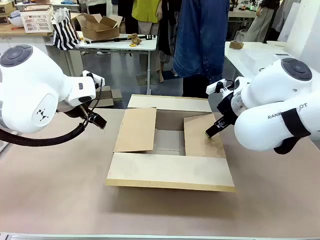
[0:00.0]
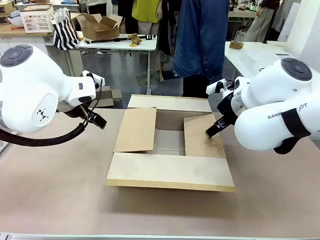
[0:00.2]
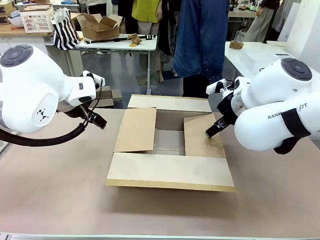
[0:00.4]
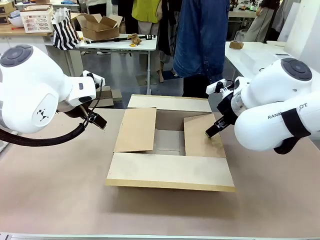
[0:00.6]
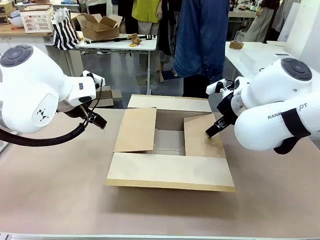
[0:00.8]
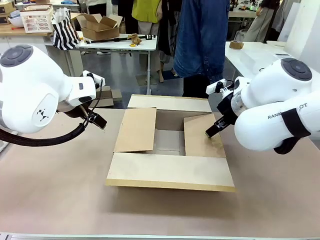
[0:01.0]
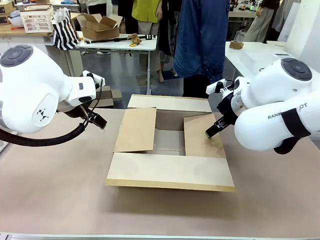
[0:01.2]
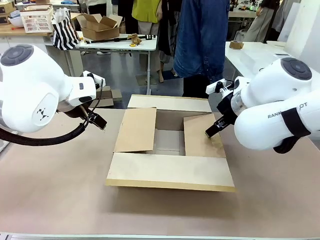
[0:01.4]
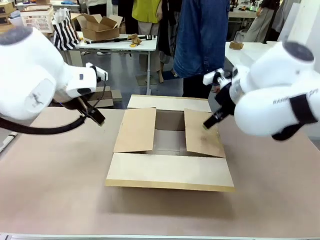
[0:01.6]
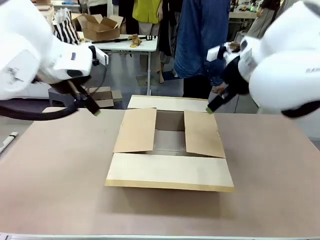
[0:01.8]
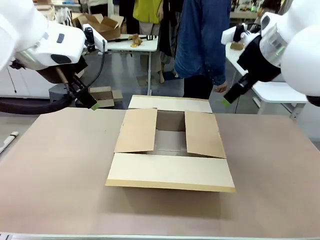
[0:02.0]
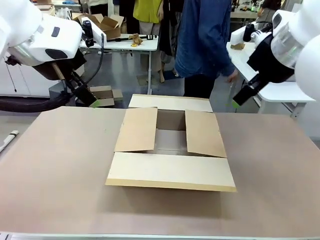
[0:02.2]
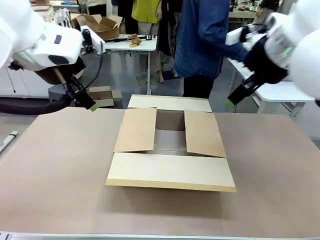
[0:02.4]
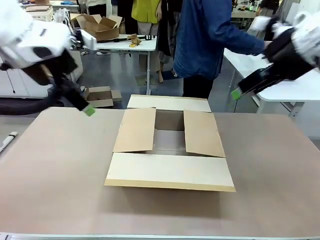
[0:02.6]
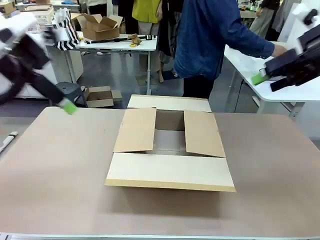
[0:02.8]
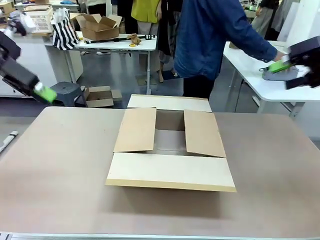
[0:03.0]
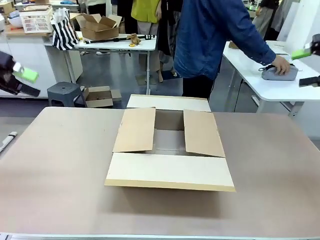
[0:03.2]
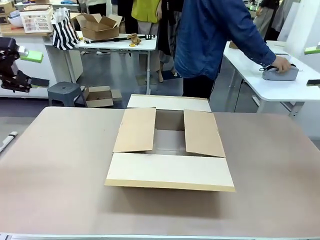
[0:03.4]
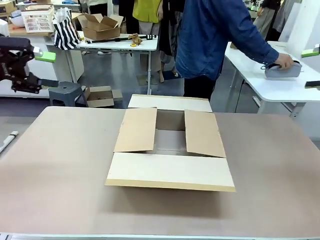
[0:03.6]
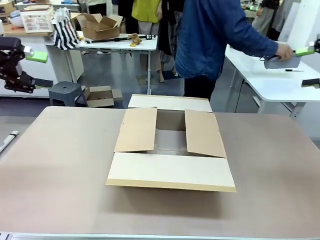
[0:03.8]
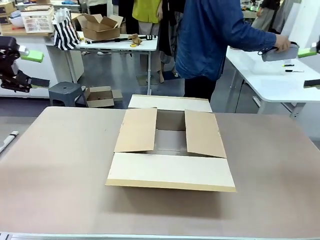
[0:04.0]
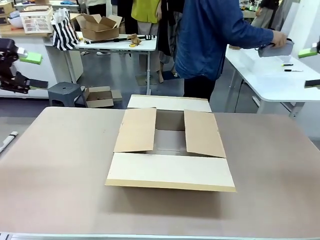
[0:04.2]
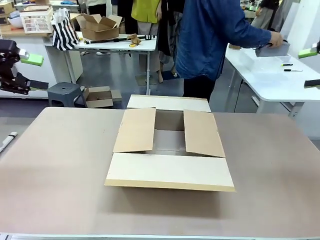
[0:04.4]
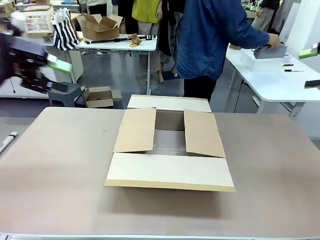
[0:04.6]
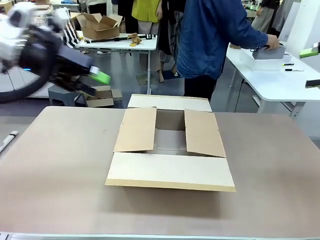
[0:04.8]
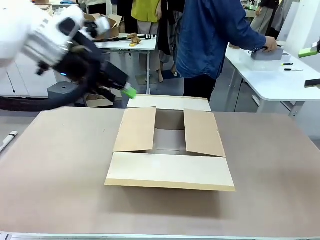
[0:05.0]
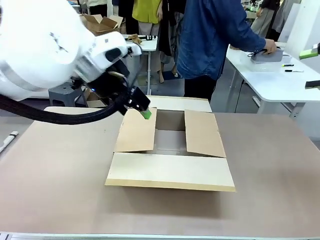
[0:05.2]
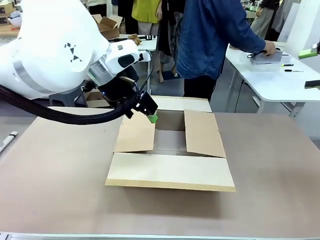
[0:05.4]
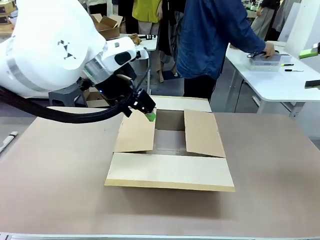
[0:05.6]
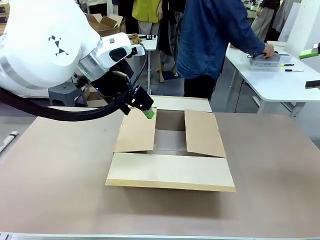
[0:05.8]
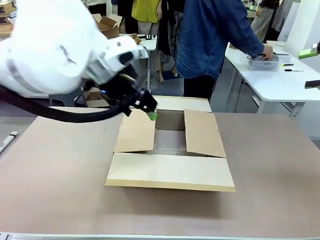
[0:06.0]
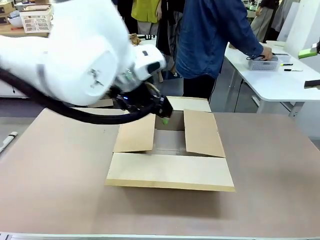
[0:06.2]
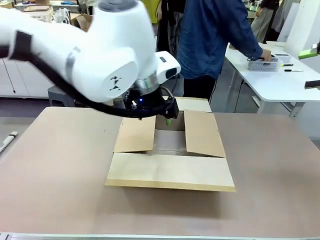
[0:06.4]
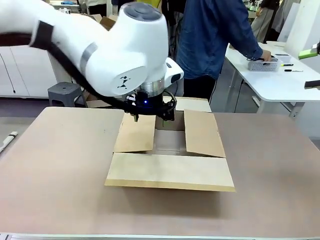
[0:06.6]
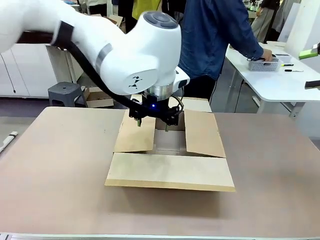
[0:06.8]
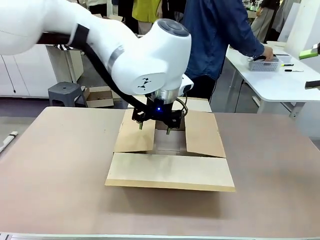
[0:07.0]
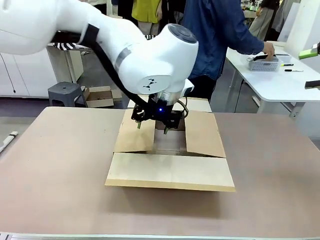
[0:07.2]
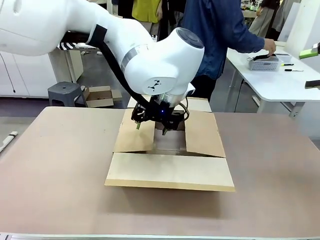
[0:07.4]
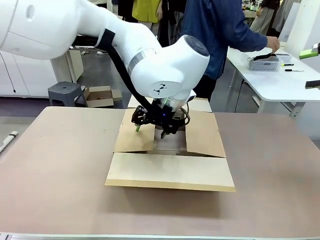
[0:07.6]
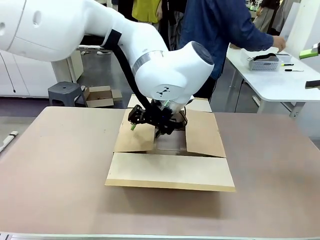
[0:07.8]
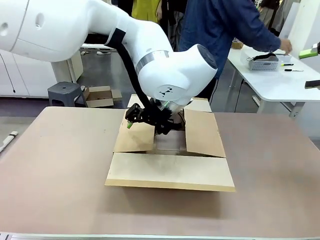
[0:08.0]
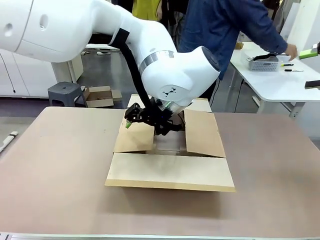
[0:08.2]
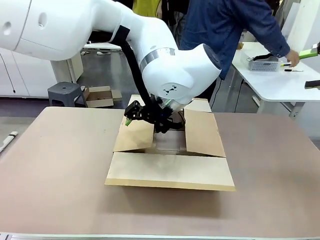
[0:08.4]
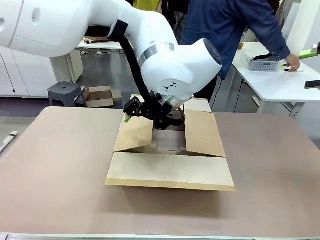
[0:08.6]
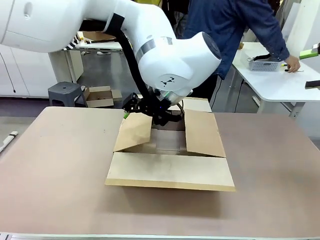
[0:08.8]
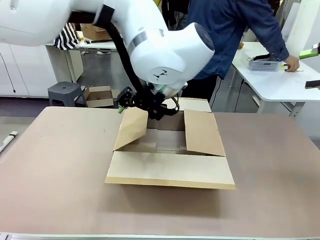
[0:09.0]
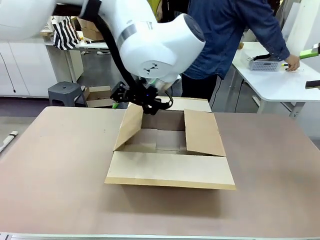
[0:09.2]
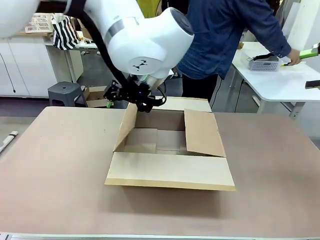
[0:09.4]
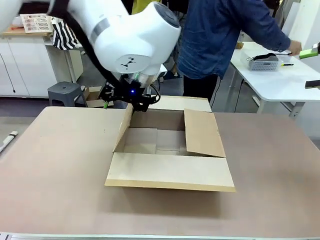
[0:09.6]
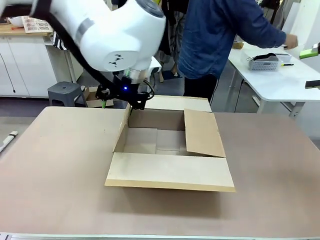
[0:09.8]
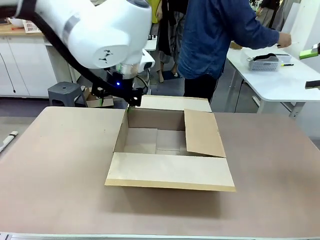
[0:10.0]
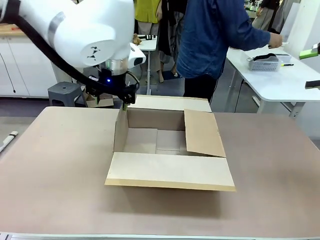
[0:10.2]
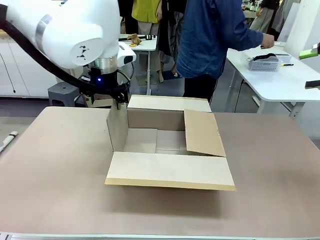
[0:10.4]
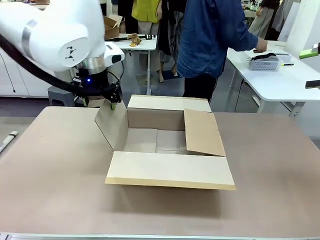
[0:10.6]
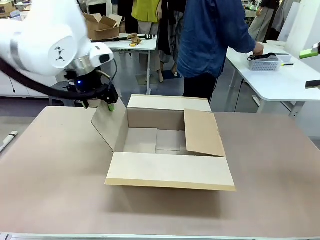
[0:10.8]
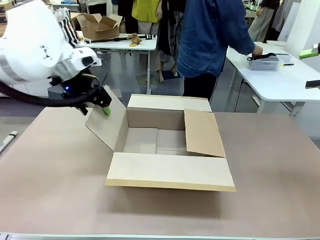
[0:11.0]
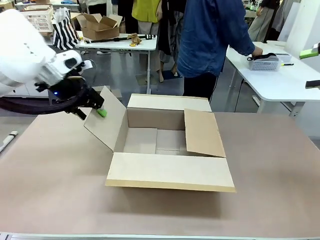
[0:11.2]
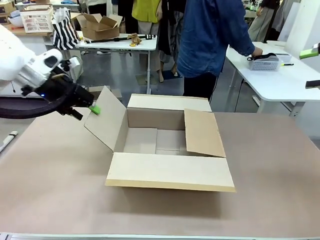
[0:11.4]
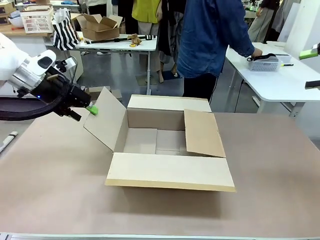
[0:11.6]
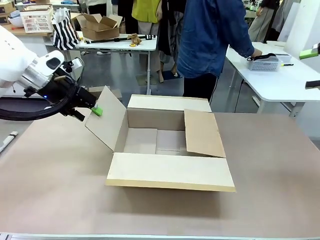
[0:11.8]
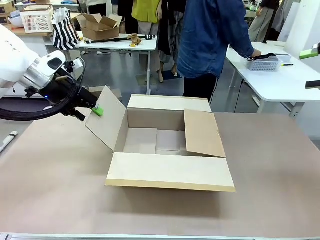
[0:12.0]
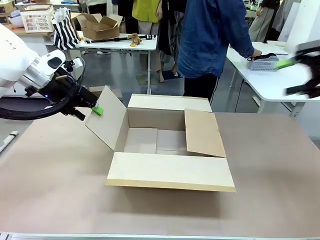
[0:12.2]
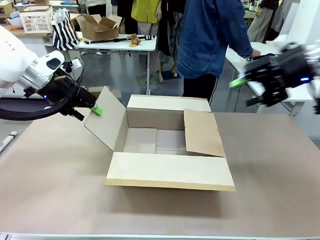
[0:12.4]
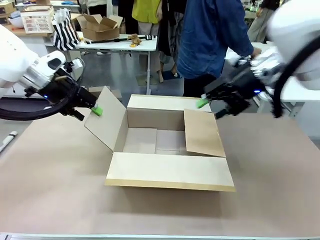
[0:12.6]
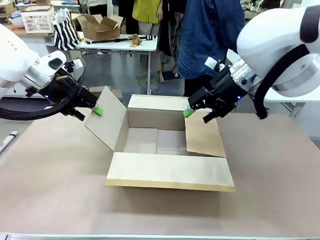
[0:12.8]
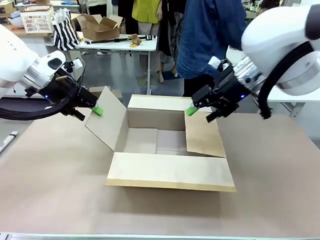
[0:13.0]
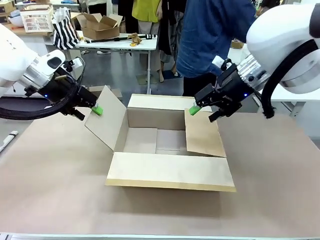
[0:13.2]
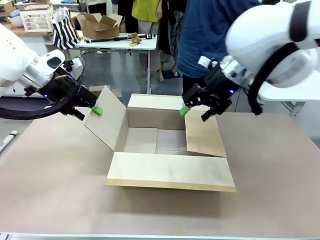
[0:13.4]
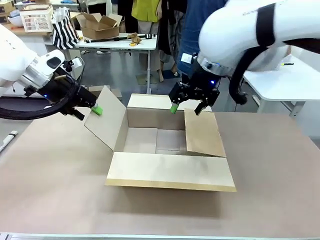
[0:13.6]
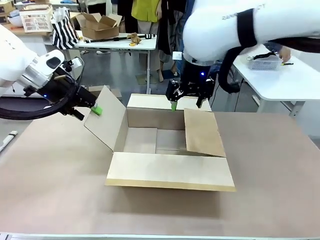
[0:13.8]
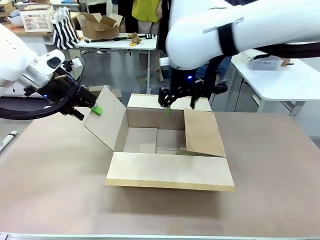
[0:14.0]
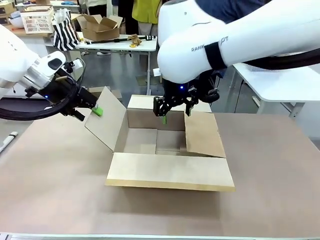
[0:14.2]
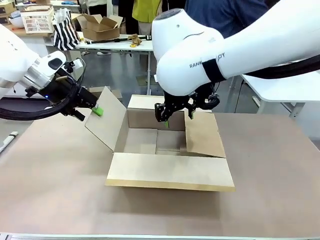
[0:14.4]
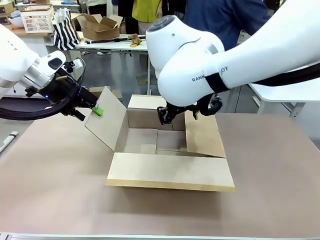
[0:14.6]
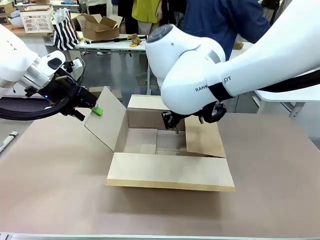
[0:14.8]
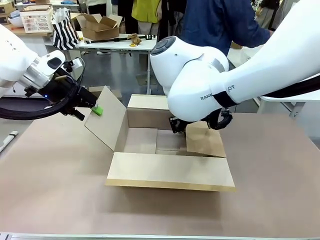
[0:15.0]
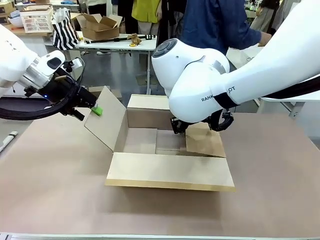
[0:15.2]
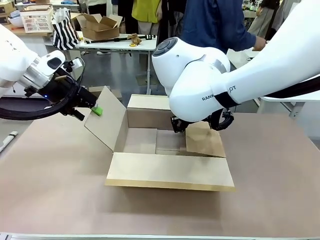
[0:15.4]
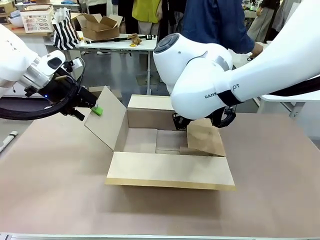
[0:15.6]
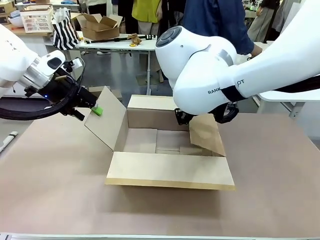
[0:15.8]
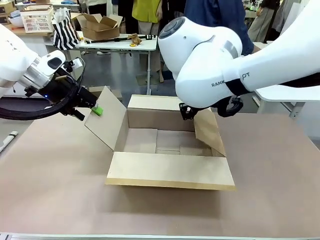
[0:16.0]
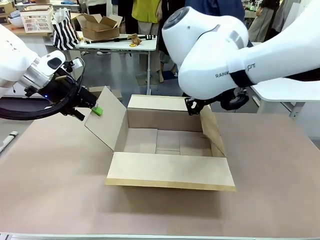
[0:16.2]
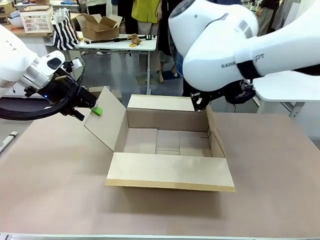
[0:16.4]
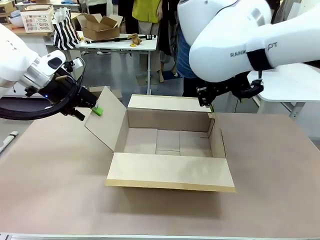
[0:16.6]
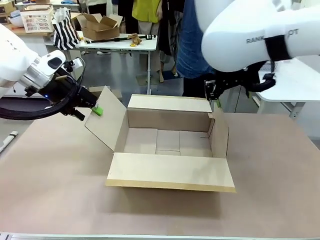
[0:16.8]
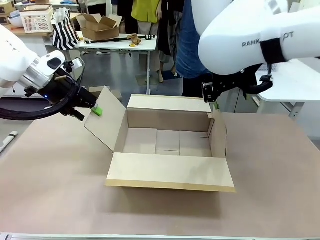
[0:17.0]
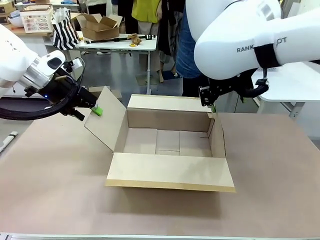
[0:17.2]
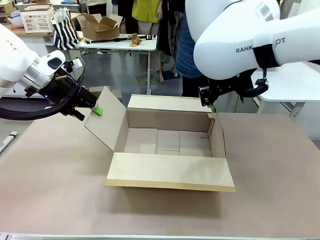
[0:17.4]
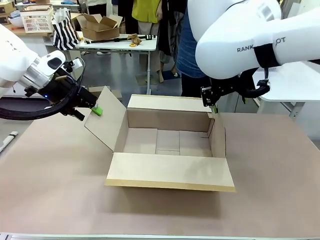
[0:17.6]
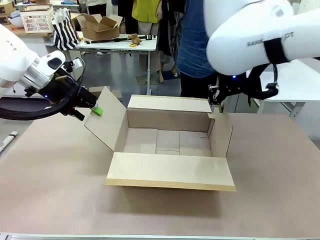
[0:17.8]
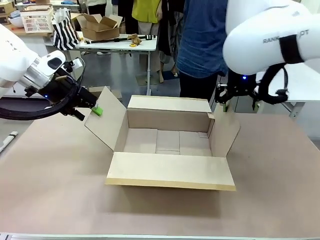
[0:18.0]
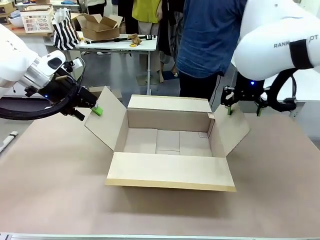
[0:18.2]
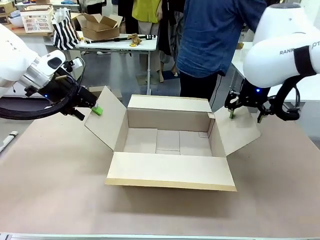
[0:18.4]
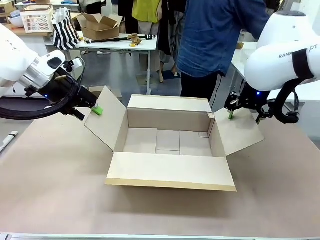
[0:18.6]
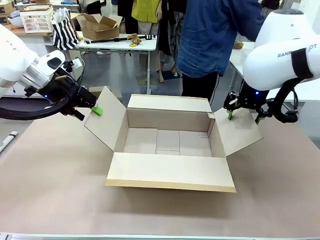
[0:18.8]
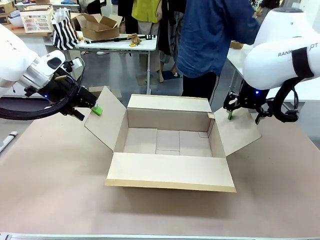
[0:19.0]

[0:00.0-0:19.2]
Task: Pack the gift set into the box.
Robot: Place both hands on the side flaps of the Package Box and spread them outward.
Person: The human places all items except the paper tape into the organizing basket.
